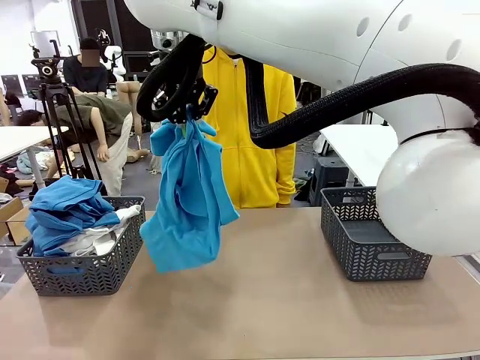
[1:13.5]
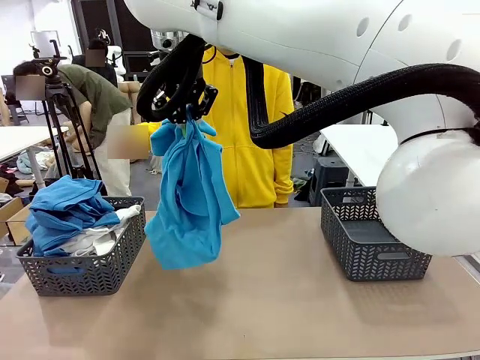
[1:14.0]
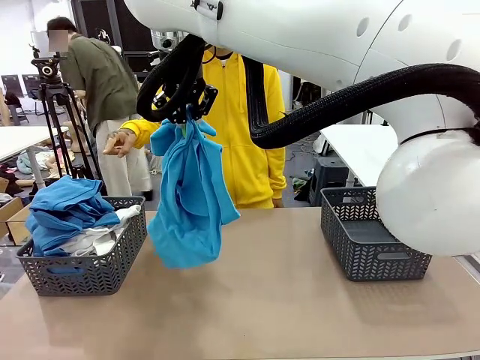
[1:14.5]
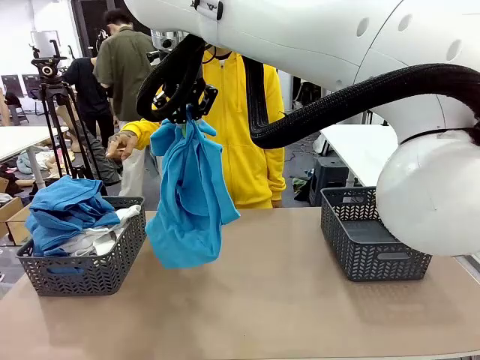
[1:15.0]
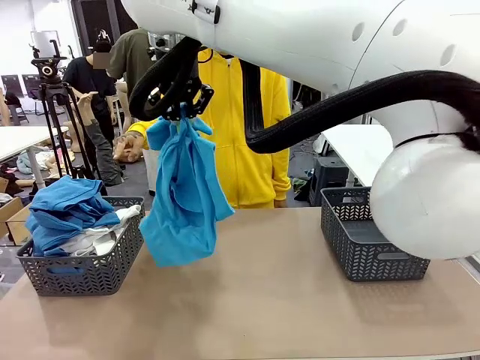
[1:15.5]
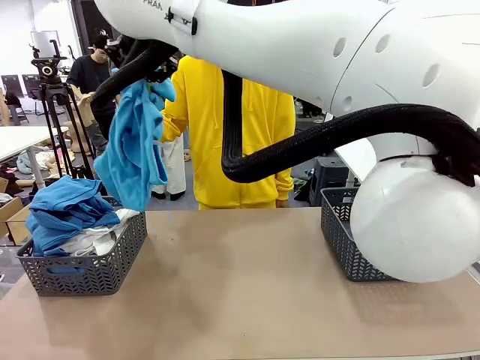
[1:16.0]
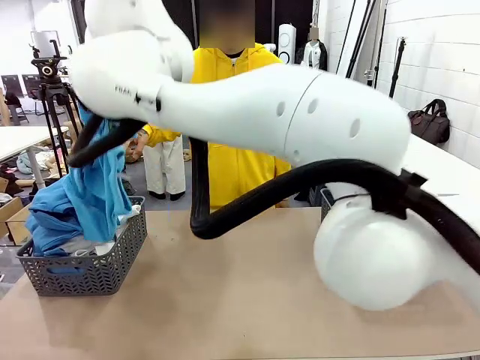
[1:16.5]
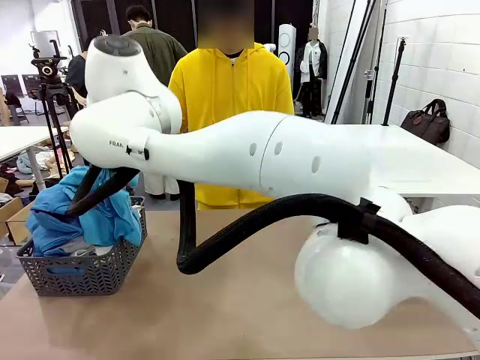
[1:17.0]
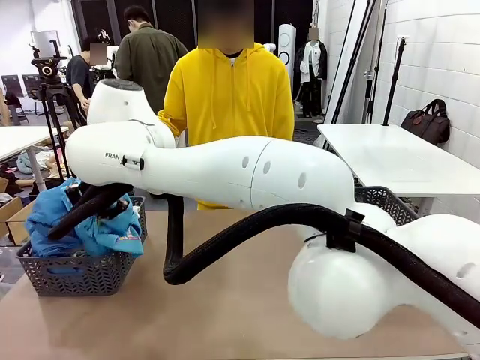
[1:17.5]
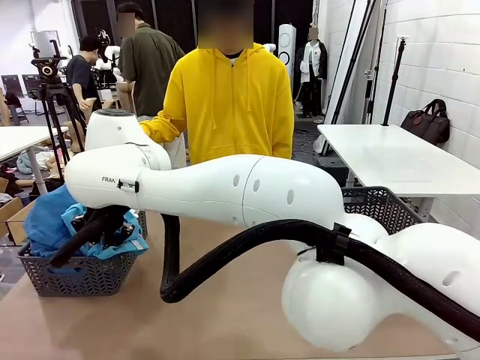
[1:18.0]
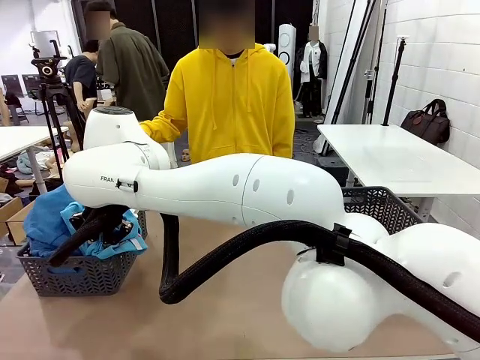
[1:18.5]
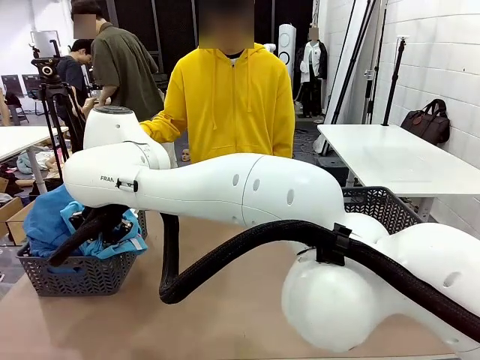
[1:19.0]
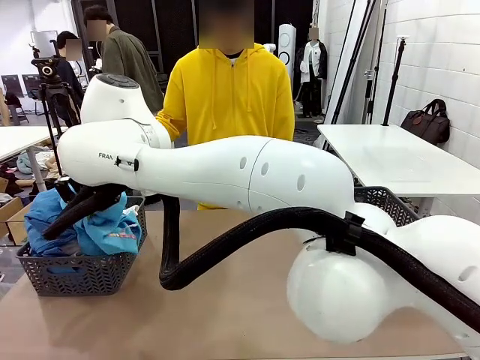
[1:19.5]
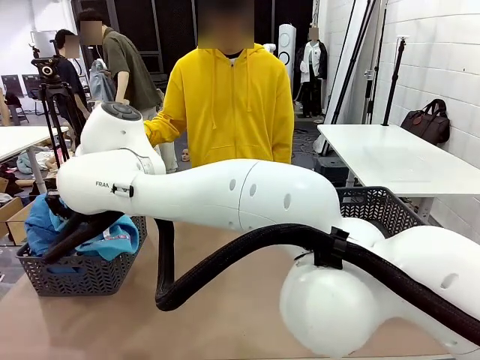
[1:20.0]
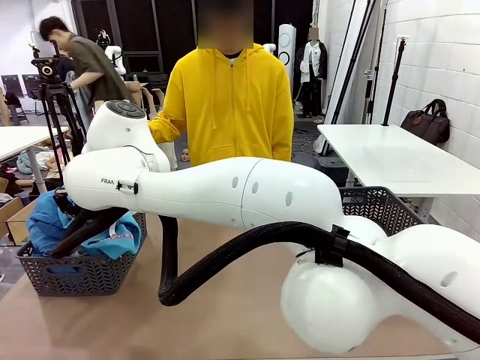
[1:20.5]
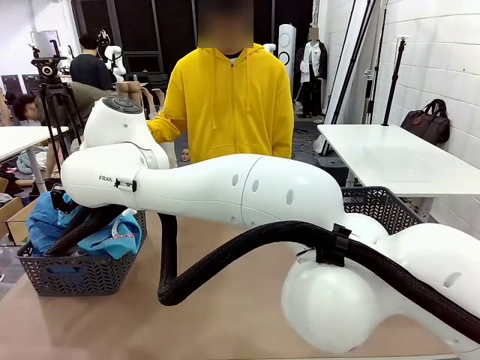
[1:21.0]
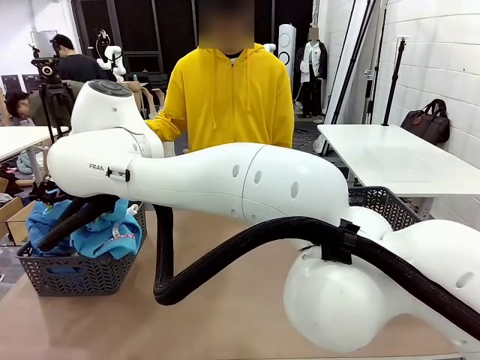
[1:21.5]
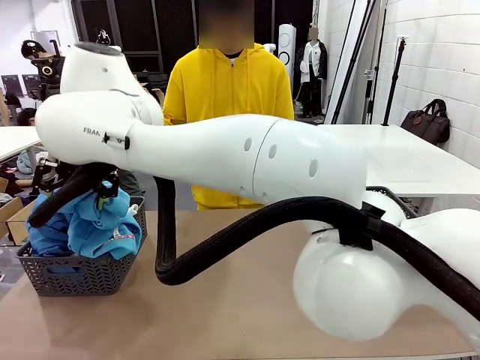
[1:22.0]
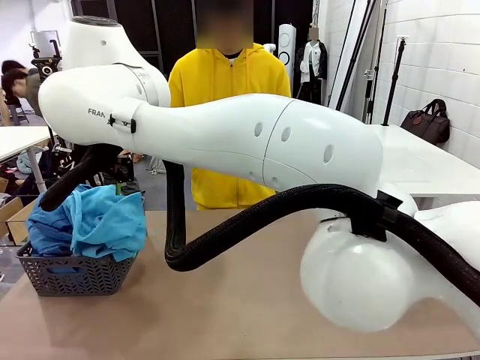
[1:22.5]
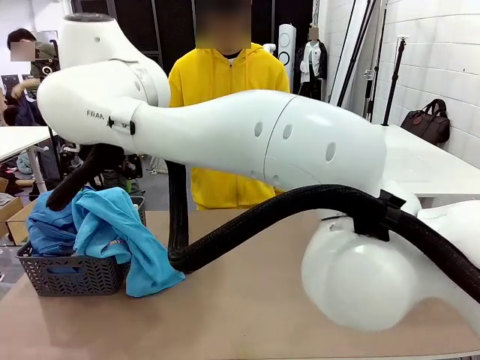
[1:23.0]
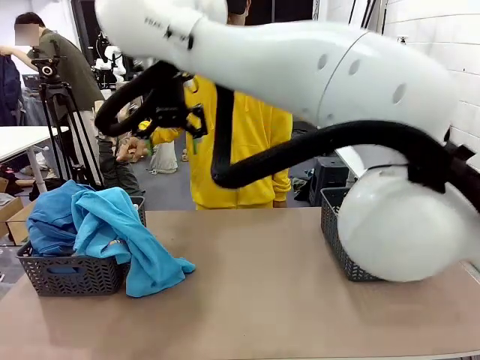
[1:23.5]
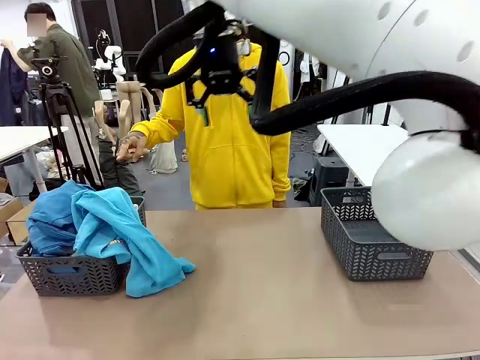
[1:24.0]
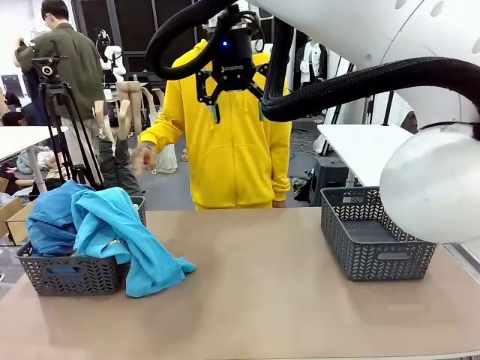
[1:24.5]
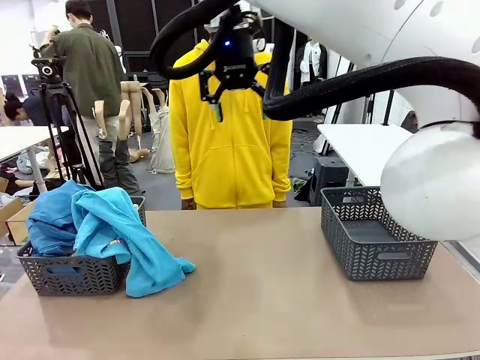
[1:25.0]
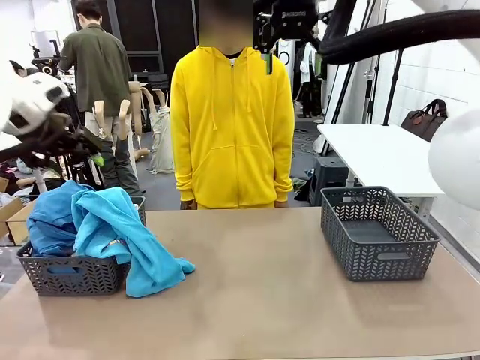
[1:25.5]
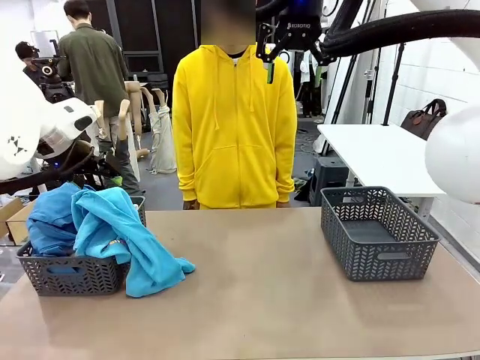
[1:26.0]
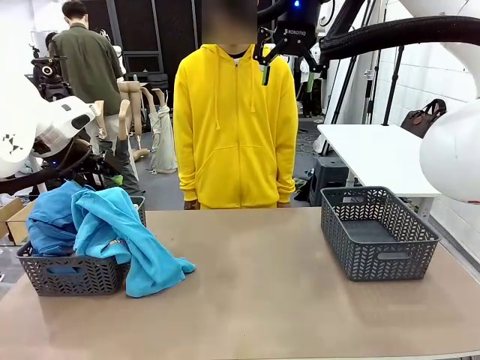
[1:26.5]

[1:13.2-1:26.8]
Task: Sort the tops and bottoms.
Robot: Sort the clothes according to human instructions.

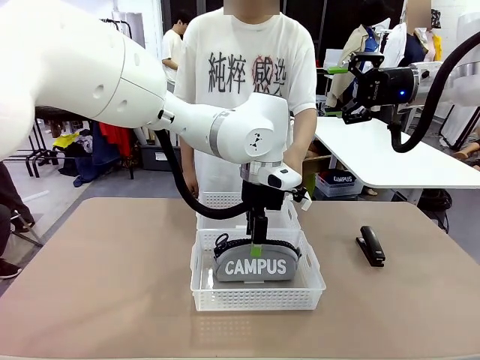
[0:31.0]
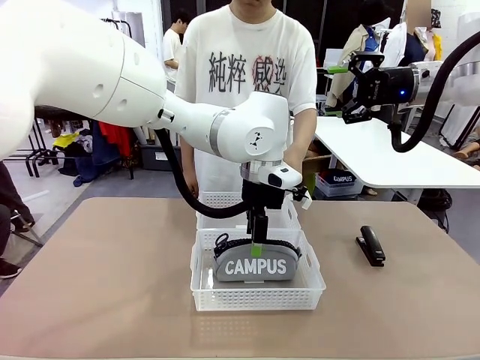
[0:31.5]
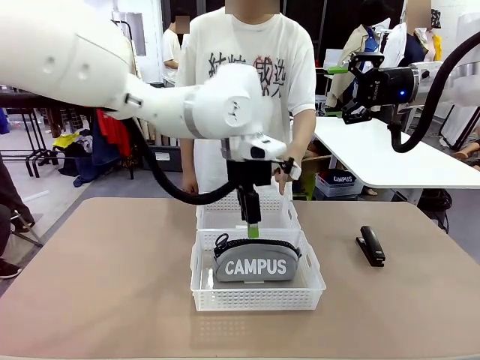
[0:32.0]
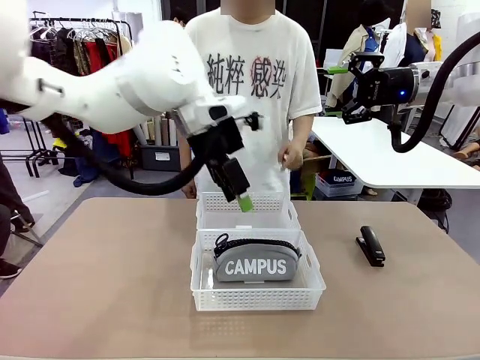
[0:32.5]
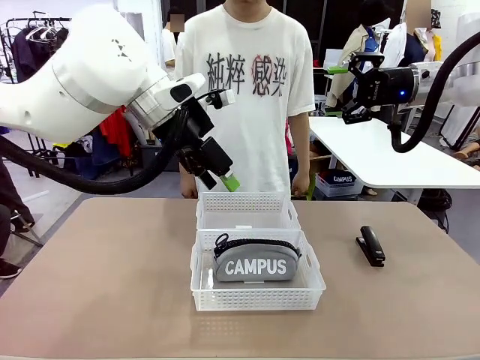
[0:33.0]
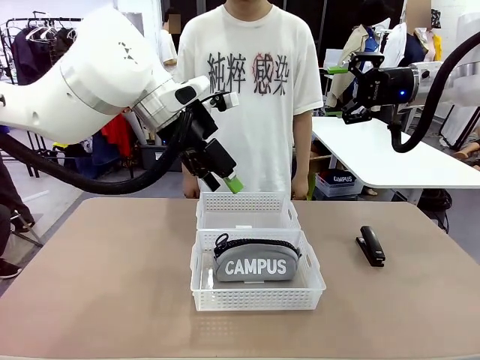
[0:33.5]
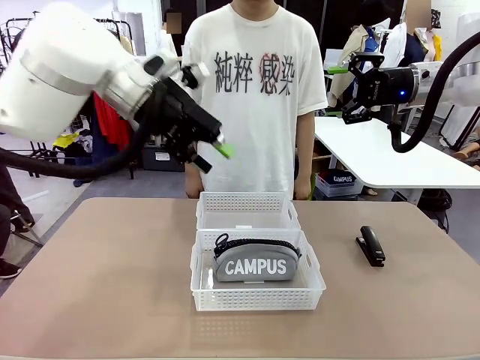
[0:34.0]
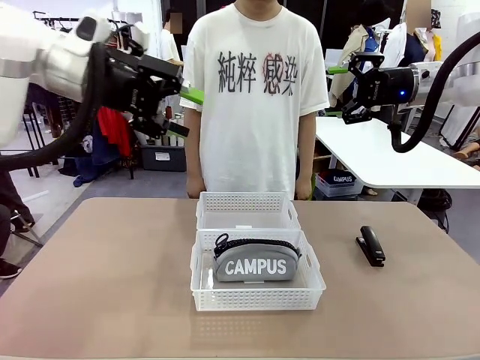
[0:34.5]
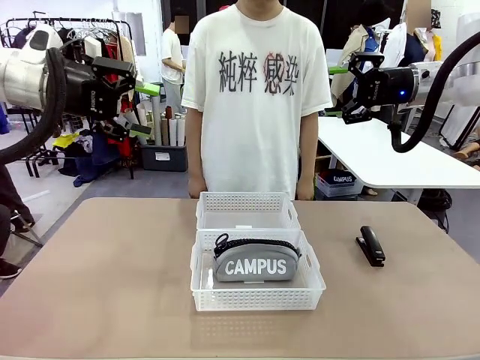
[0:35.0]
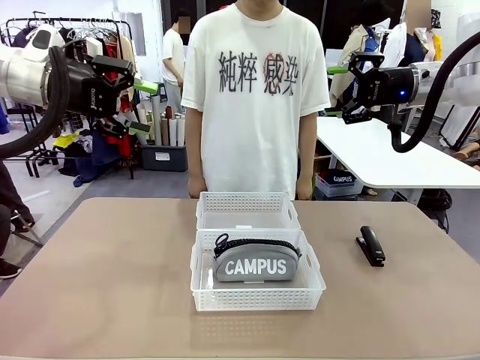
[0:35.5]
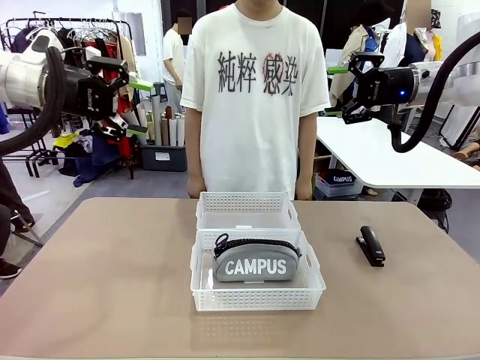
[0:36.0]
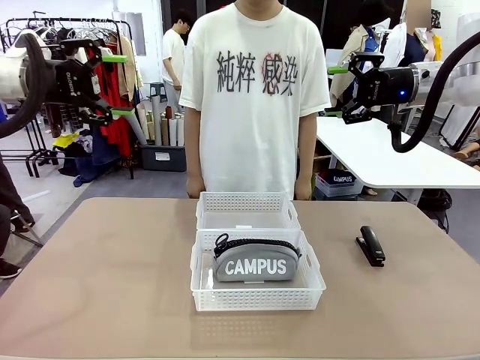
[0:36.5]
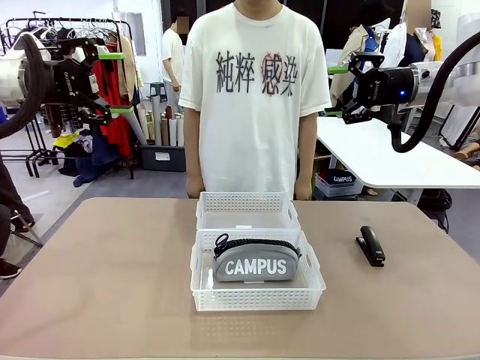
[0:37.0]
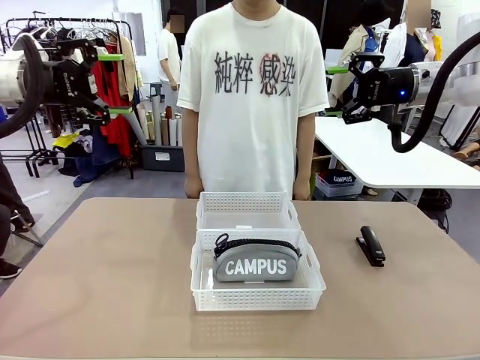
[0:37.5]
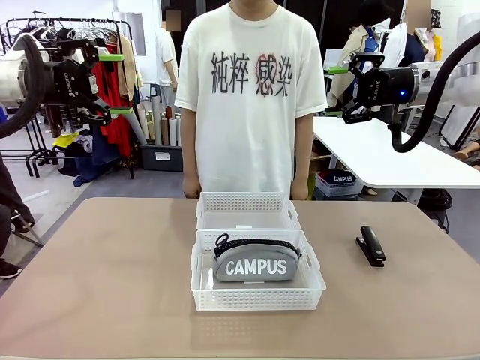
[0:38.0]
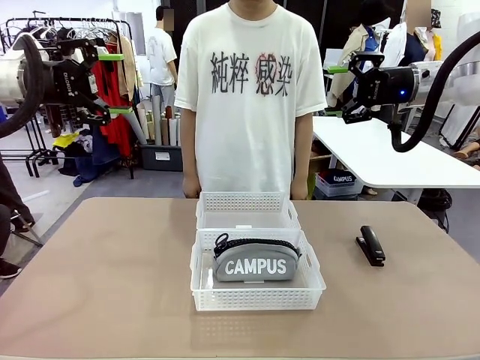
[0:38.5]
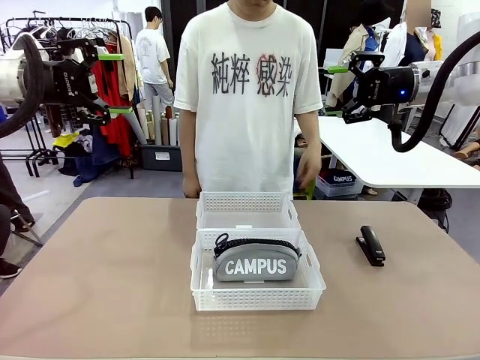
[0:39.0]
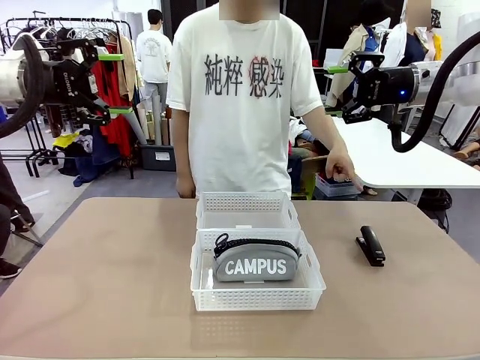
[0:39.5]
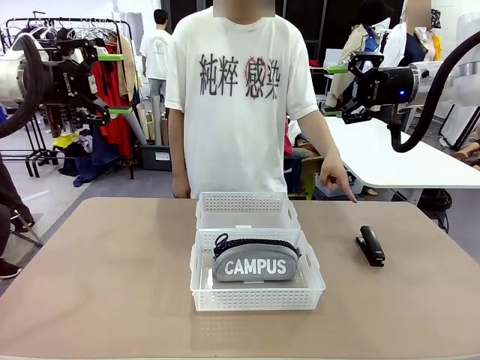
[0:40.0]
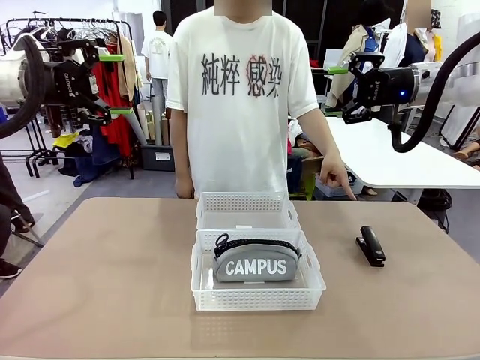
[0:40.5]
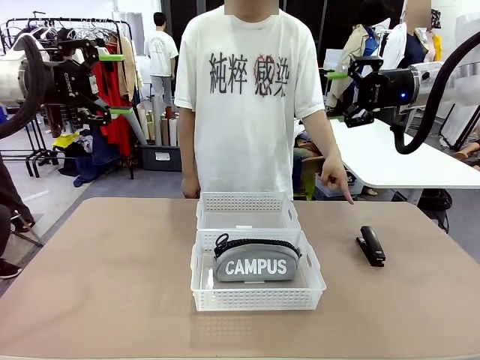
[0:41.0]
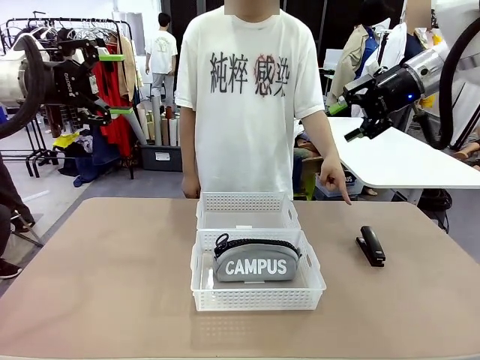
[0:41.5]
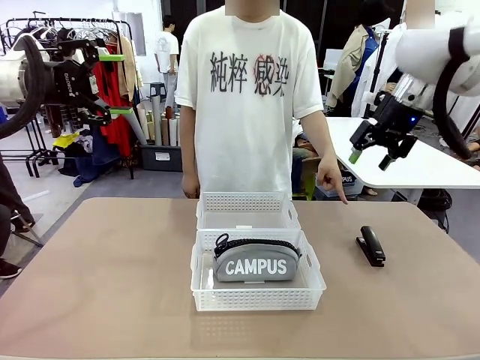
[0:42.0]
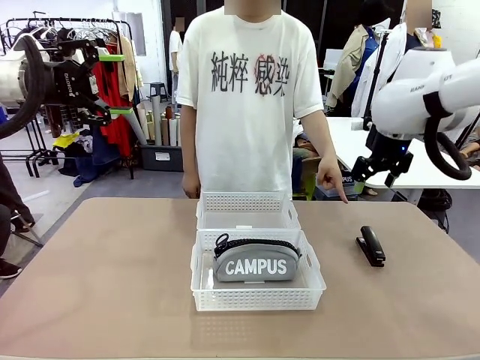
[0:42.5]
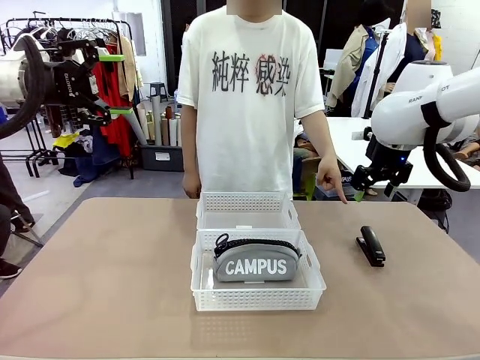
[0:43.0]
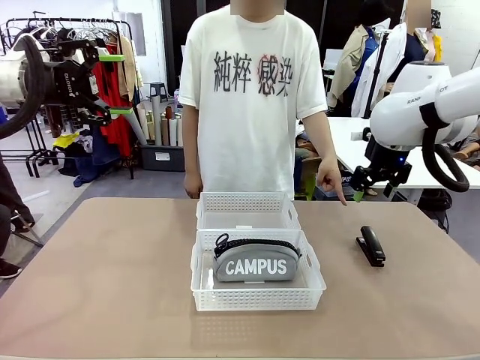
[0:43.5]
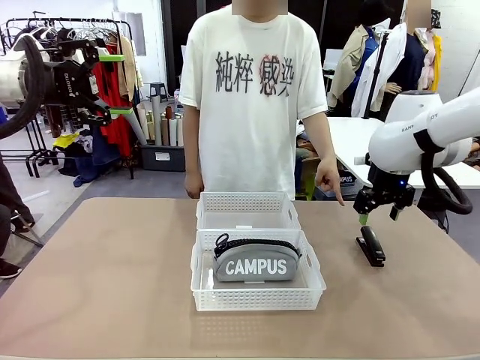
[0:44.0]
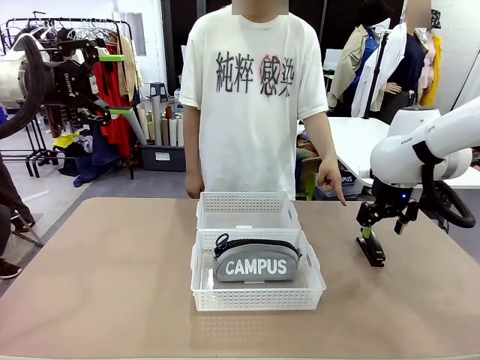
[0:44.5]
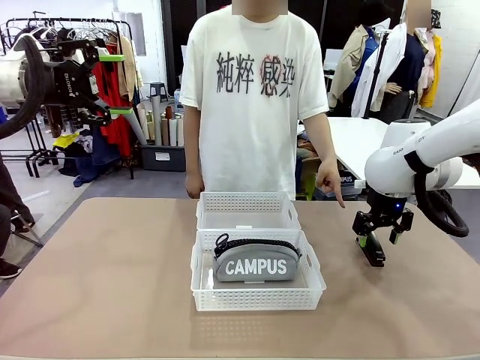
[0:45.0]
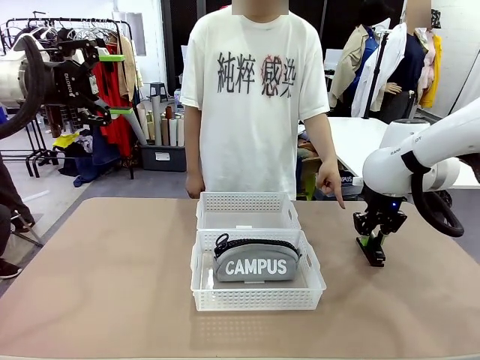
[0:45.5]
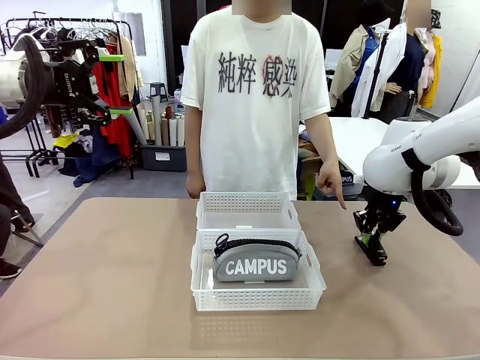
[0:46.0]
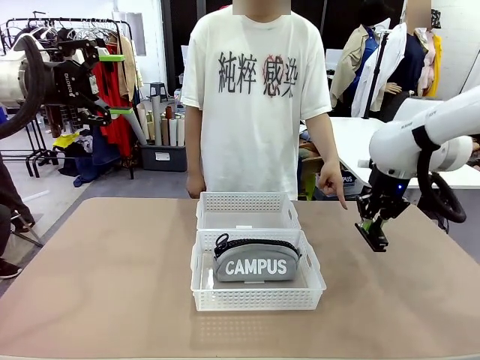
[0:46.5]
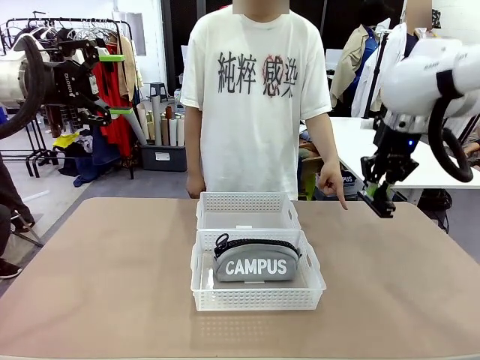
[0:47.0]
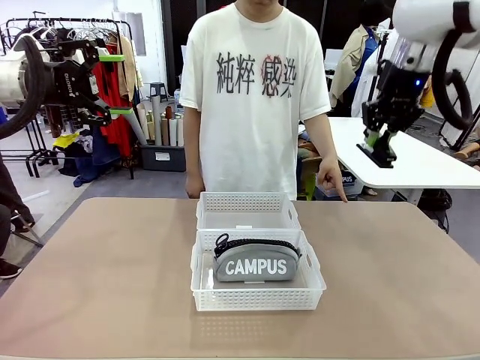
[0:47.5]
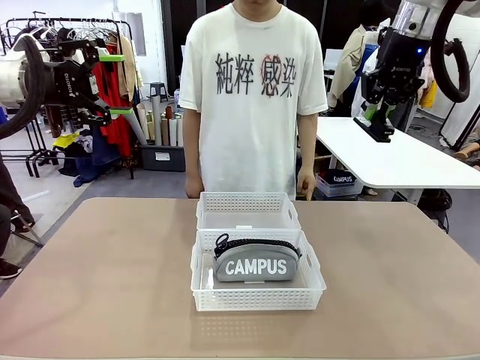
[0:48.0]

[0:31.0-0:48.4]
Task: Distribute items into two baskets.
Robot: Pick up the Stapler that the person points to.
Person: Points to the stapler.
